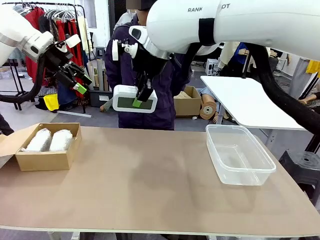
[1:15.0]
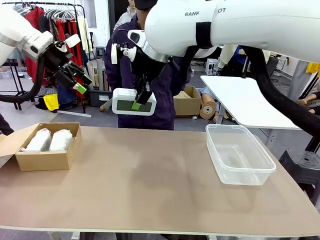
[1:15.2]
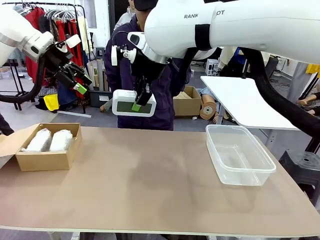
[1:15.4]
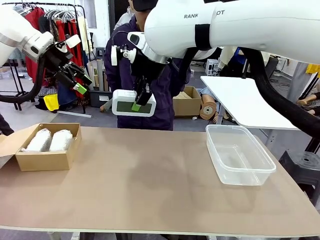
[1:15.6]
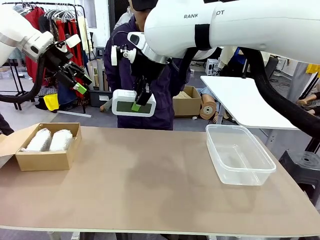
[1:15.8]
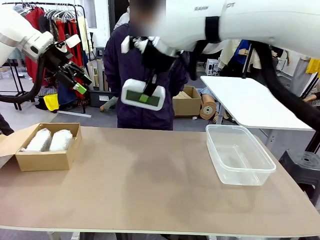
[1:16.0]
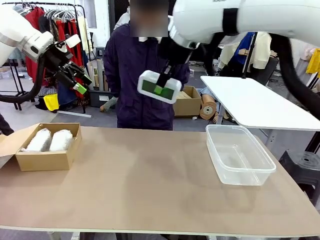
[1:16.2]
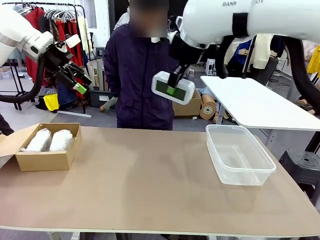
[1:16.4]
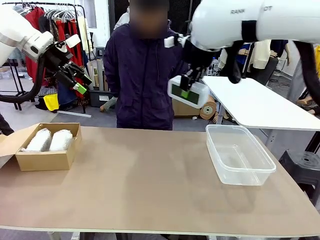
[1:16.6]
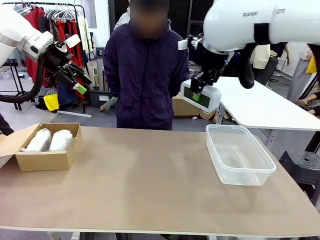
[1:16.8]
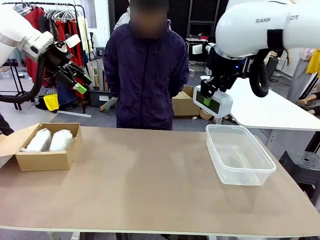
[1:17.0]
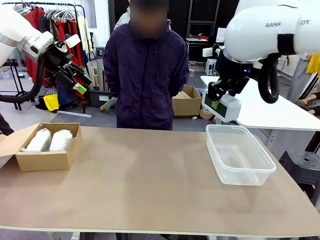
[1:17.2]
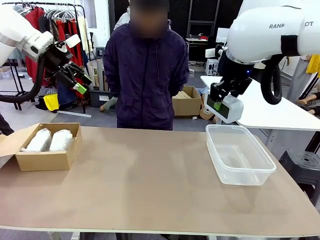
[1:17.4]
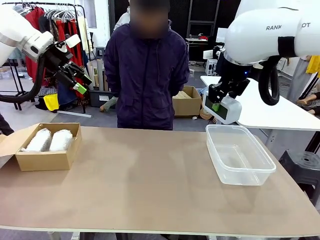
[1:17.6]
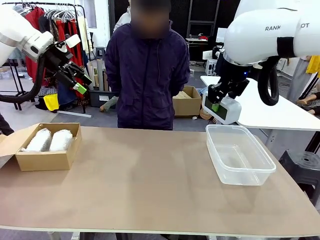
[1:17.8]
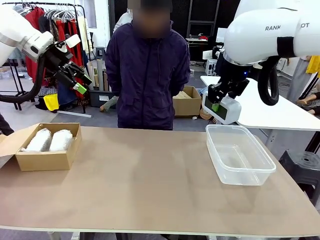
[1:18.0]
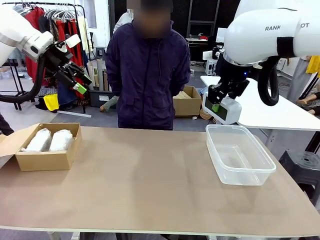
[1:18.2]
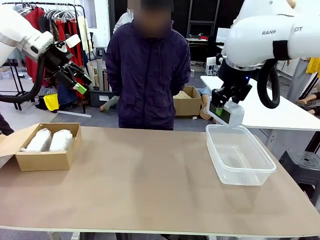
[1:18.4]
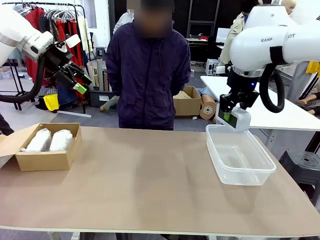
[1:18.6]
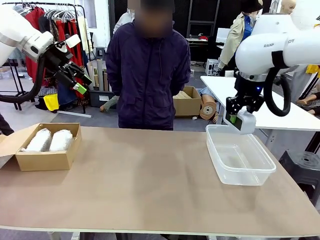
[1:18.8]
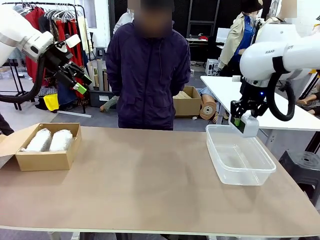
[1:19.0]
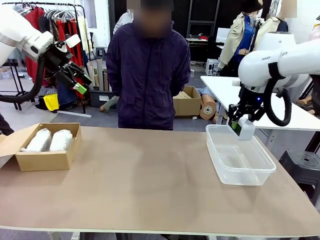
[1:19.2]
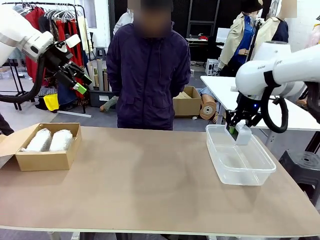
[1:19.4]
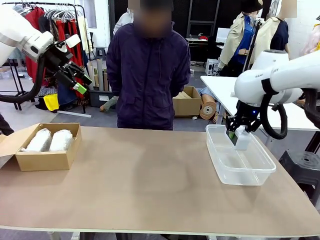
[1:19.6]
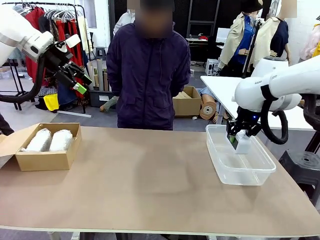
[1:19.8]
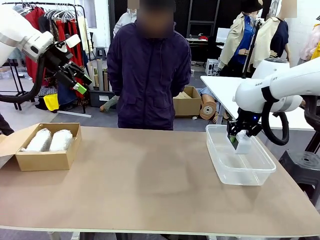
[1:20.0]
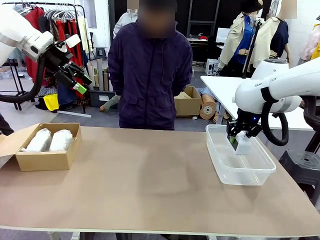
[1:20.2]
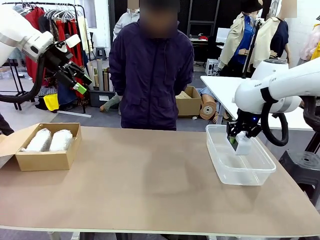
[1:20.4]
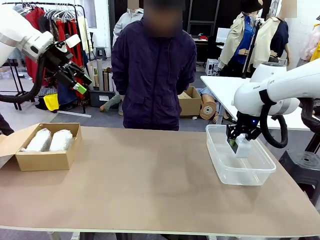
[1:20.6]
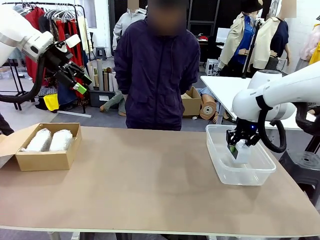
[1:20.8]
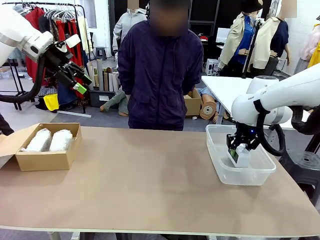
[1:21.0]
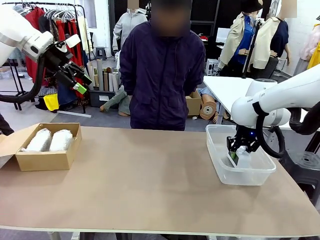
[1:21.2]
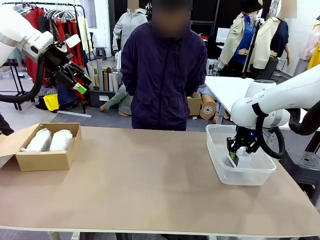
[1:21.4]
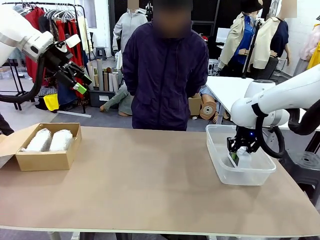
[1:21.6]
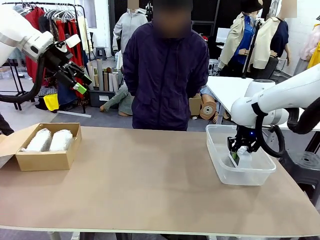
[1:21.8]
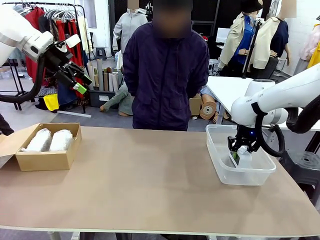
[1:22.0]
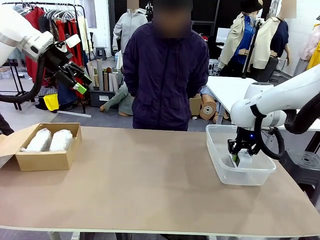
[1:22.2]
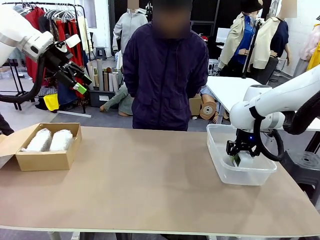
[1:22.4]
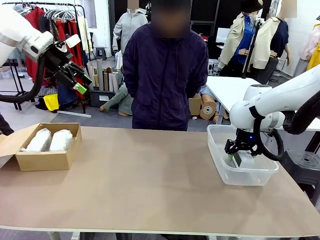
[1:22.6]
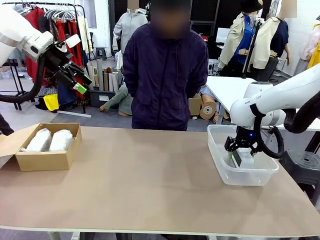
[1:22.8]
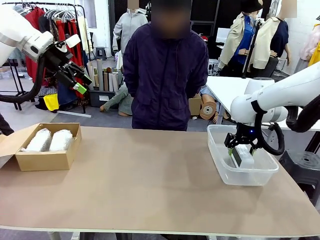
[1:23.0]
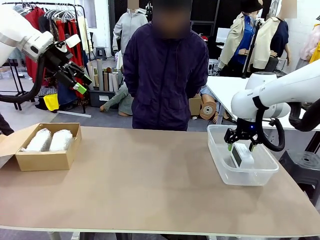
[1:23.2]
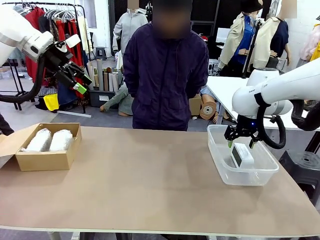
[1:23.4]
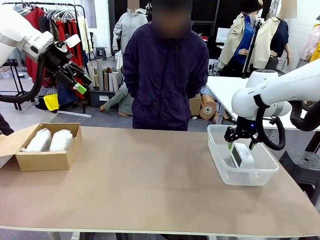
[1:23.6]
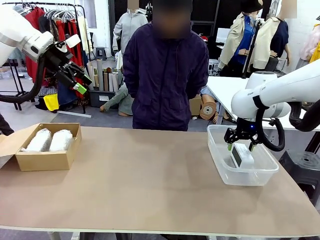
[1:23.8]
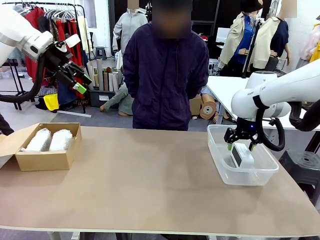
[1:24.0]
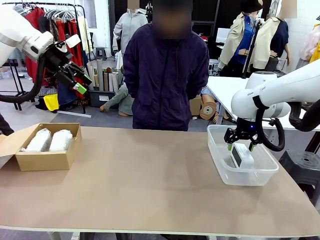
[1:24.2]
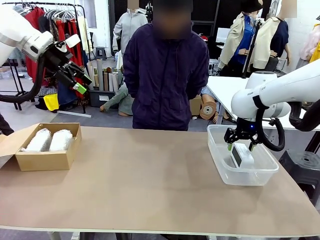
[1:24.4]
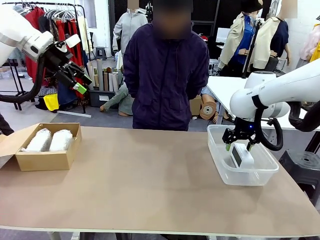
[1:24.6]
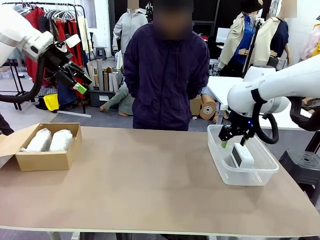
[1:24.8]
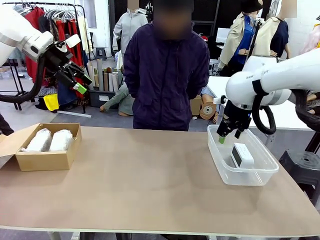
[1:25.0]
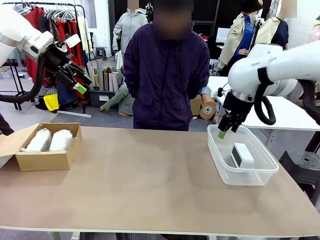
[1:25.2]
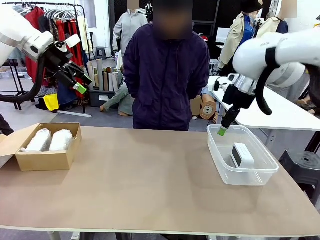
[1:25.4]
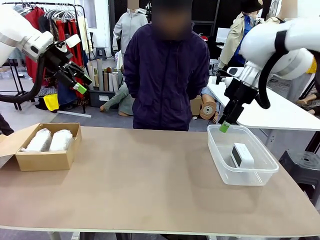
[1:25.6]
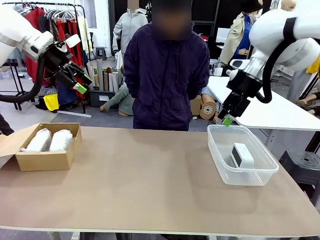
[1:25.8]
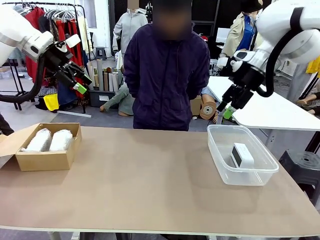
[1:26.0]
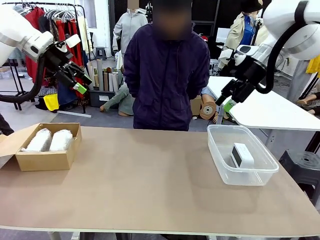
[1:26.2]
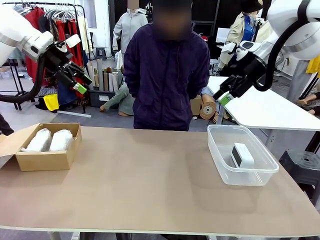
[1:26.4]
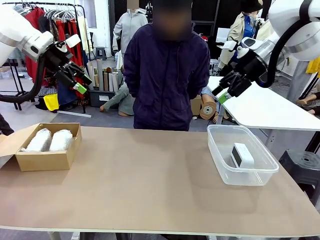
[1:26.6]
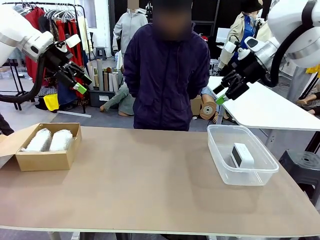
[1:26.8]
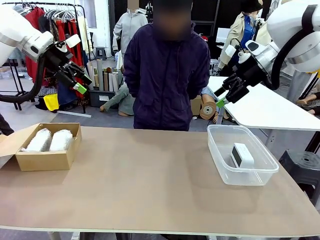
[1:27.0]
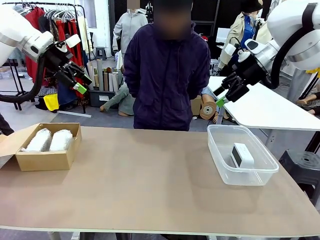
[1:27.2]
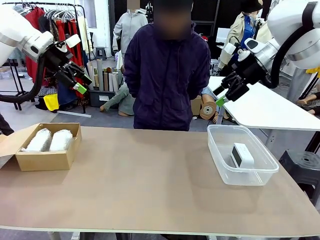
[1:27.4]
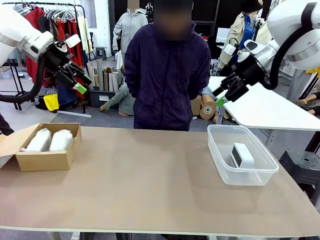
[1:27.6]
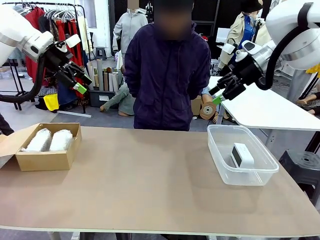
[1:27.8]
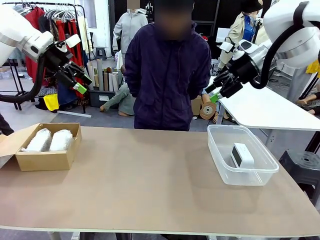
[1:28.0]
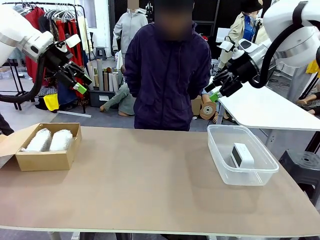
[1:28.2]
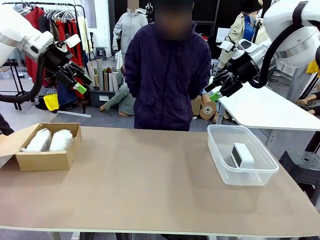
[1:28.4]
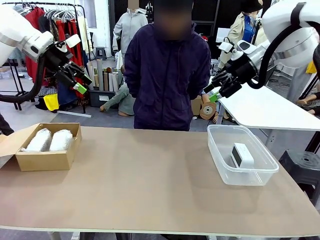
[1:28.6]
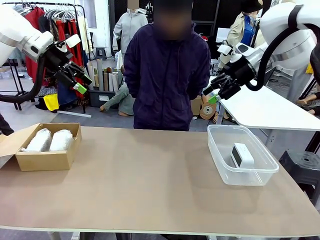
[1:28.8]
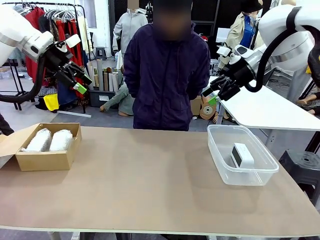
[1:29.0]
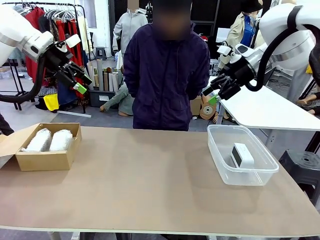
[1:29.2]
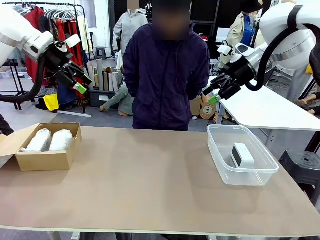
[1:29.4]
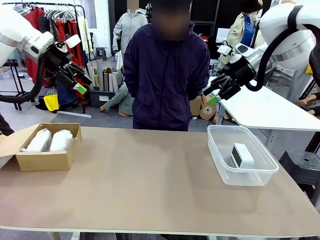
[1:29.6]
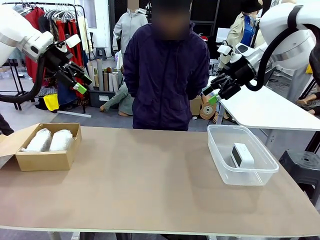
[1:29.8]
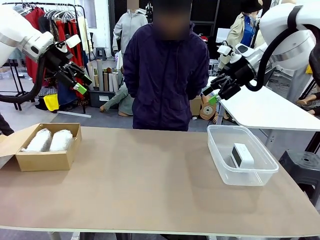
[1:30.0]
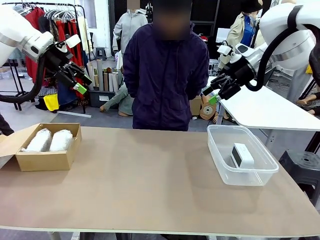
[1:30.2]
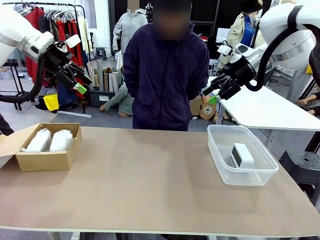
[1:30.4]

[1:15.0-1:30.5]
Task: Separate and place wrapped and unwrapped clocks.
Robot: If the picked Digital clock is wrapped, place it in the Package Box ; if not, place it in the Organizing box.
